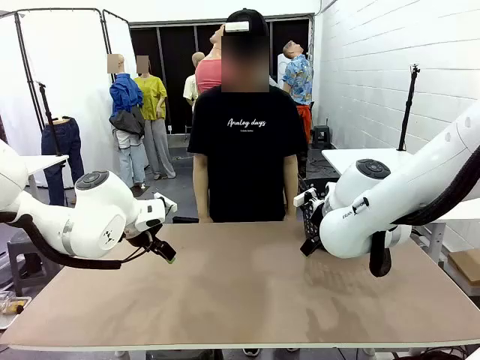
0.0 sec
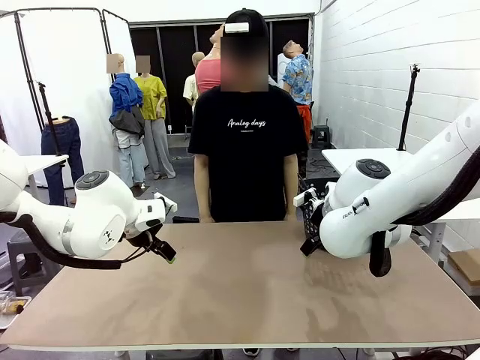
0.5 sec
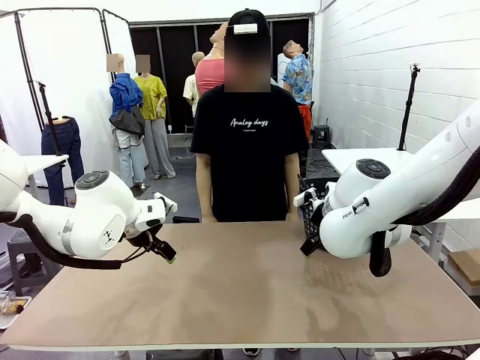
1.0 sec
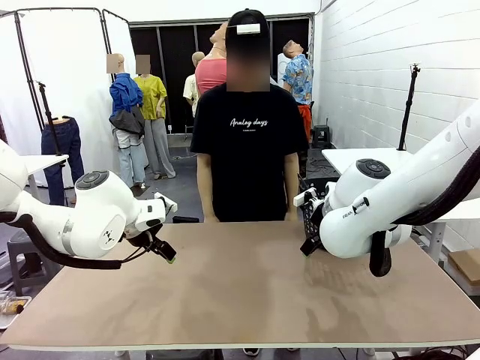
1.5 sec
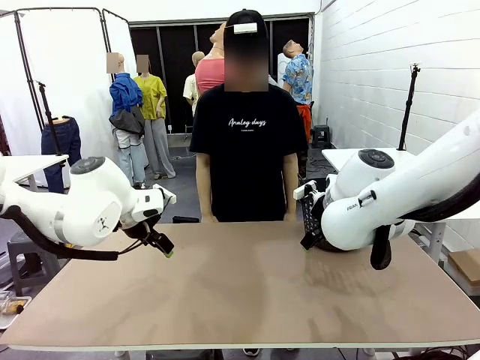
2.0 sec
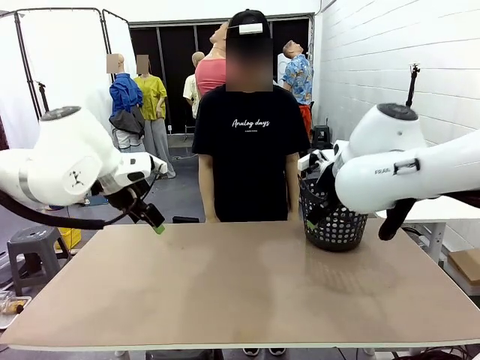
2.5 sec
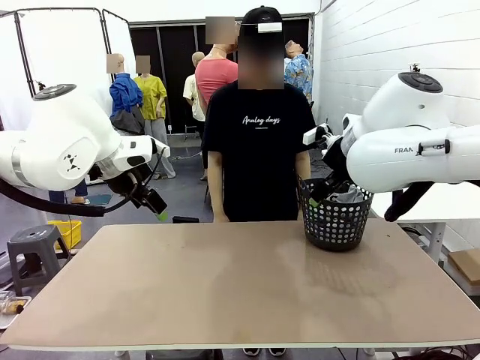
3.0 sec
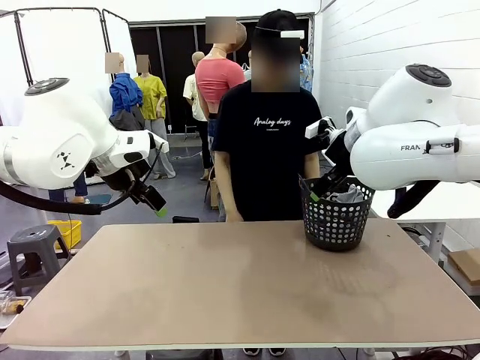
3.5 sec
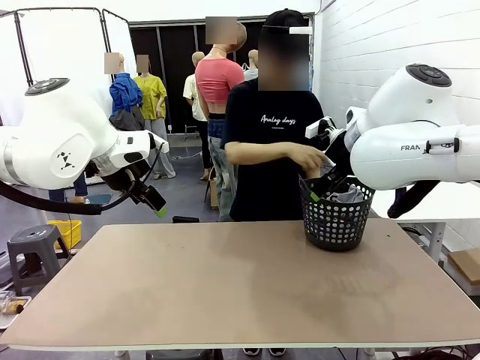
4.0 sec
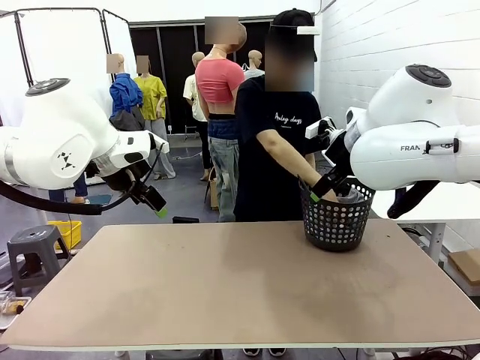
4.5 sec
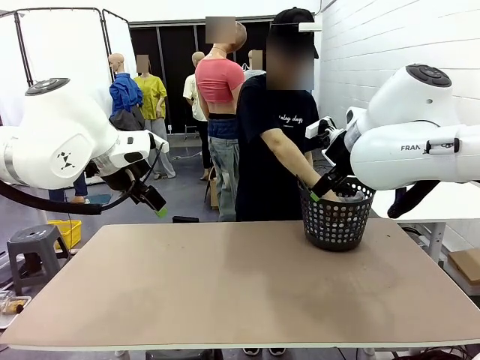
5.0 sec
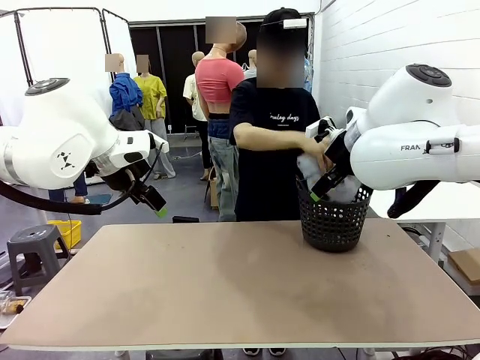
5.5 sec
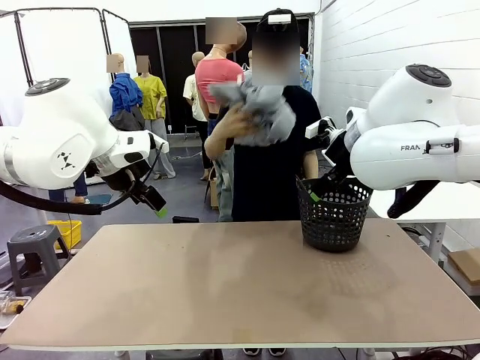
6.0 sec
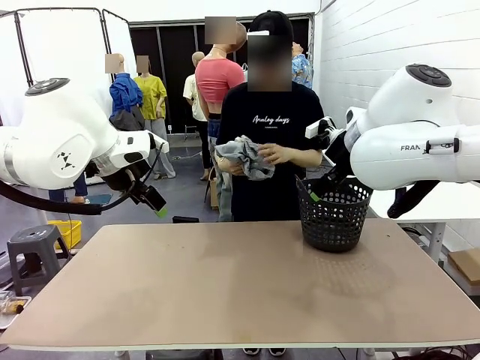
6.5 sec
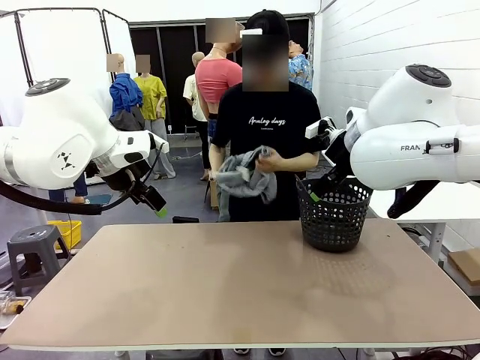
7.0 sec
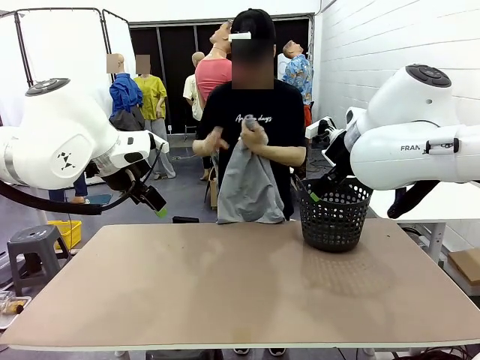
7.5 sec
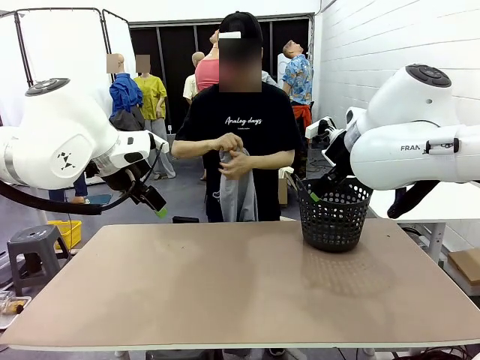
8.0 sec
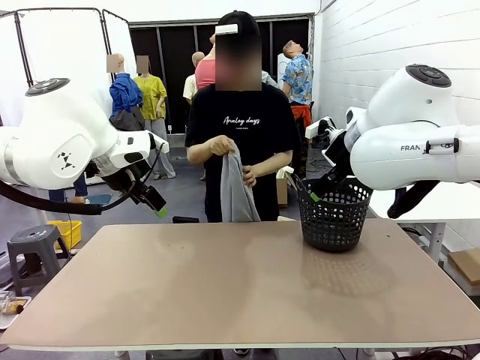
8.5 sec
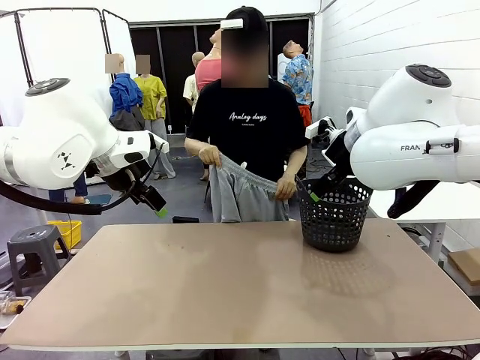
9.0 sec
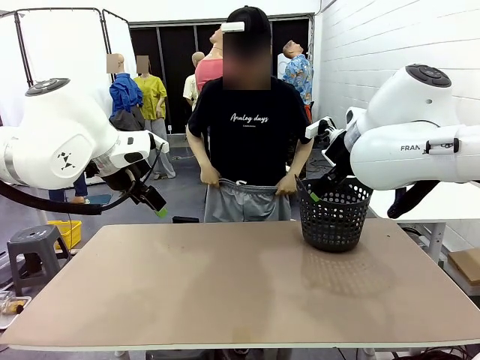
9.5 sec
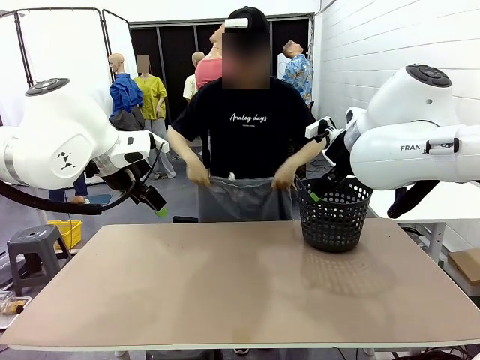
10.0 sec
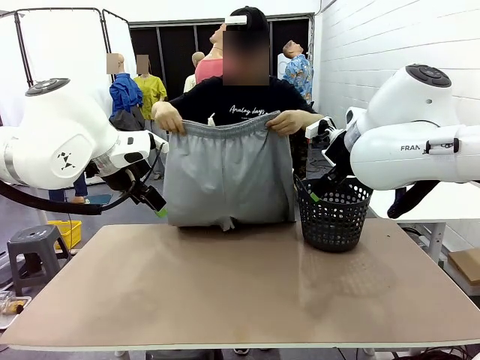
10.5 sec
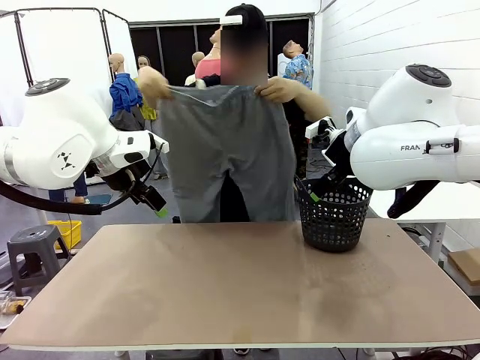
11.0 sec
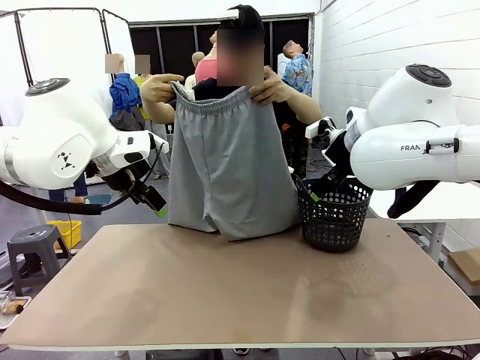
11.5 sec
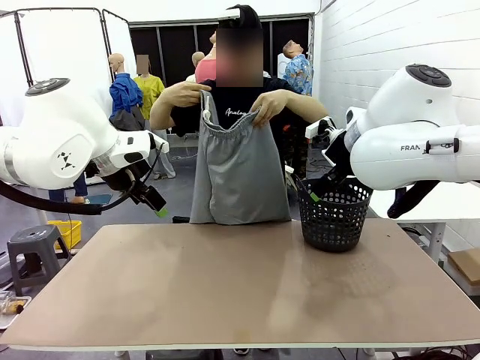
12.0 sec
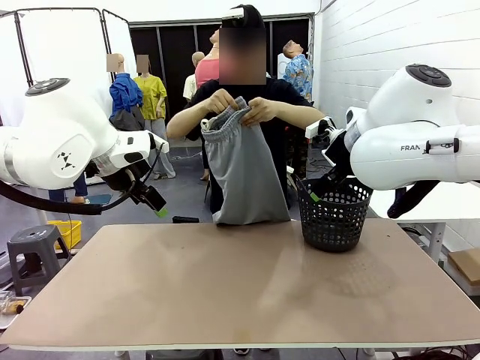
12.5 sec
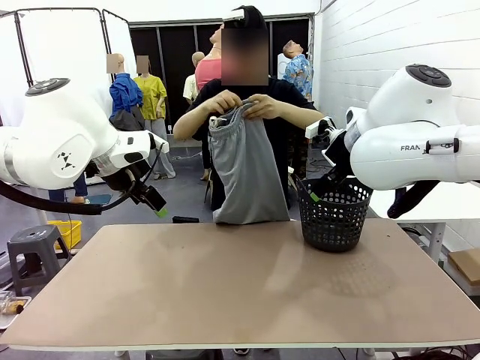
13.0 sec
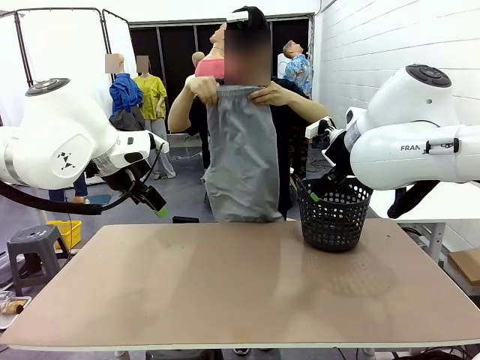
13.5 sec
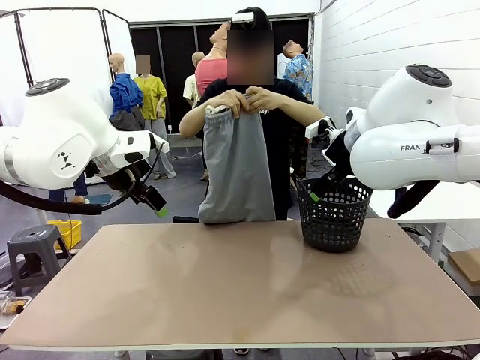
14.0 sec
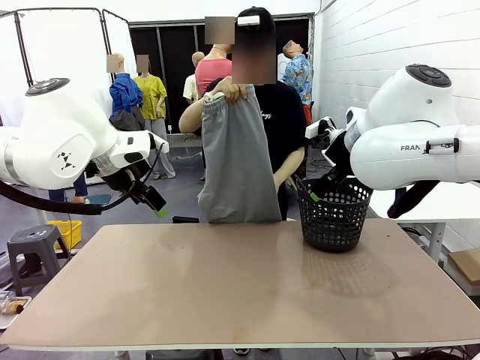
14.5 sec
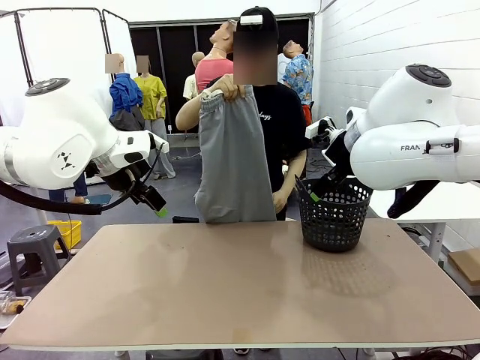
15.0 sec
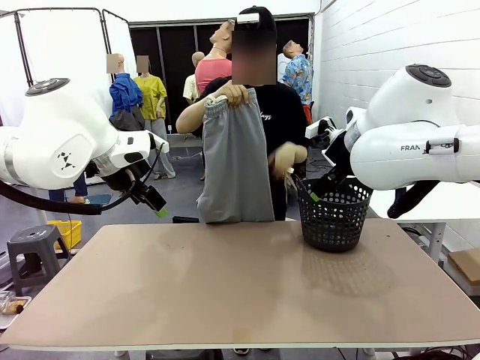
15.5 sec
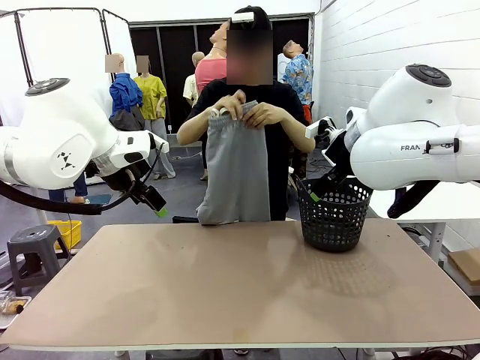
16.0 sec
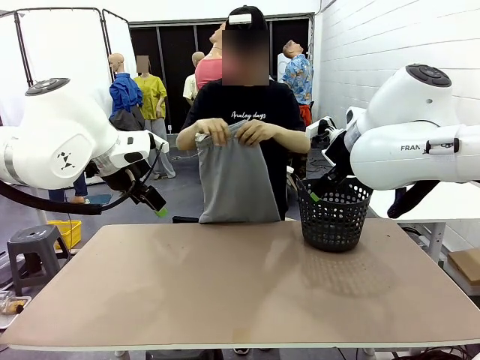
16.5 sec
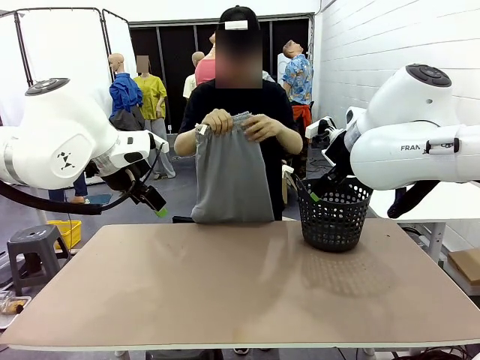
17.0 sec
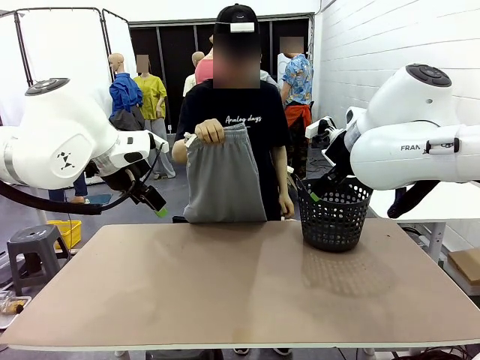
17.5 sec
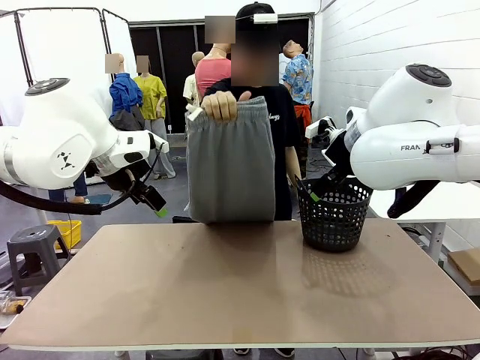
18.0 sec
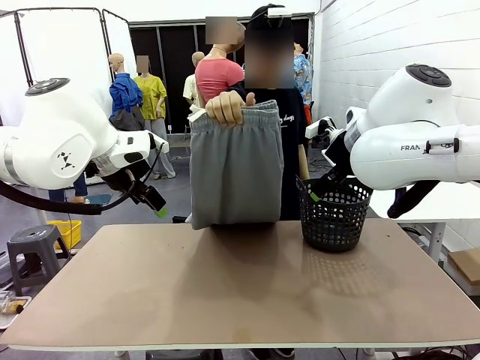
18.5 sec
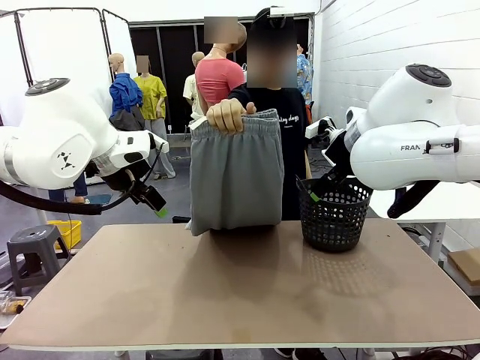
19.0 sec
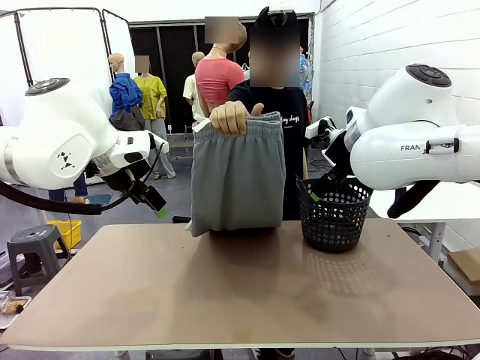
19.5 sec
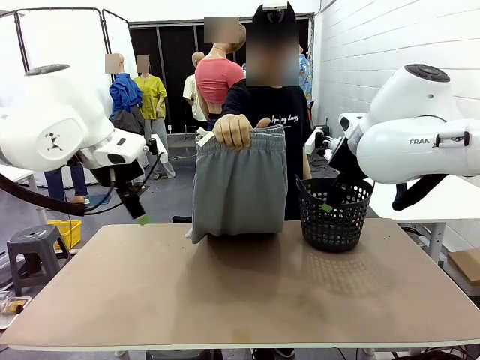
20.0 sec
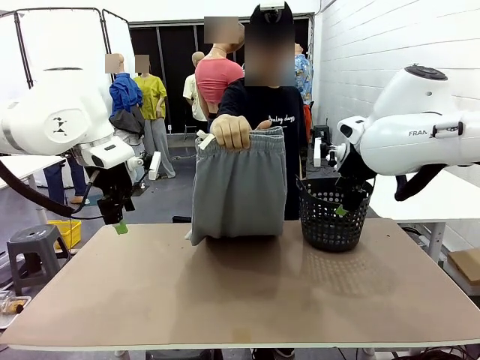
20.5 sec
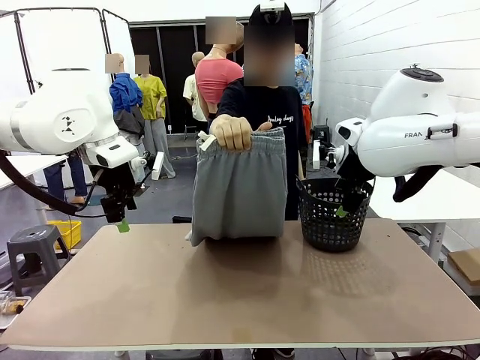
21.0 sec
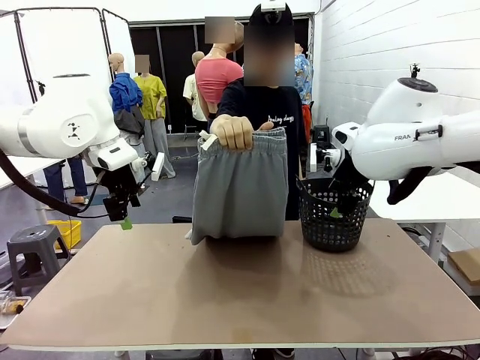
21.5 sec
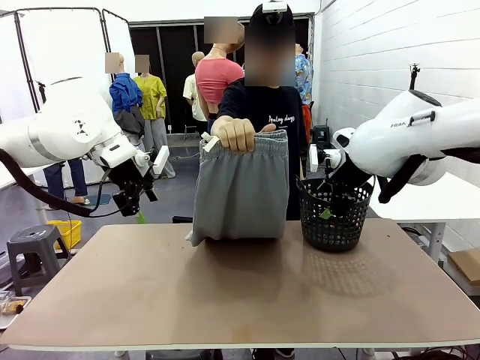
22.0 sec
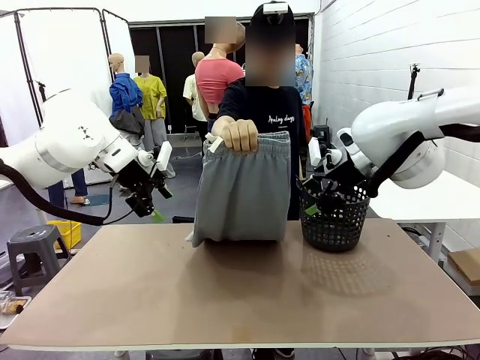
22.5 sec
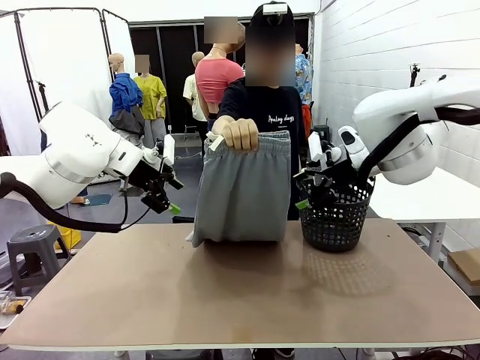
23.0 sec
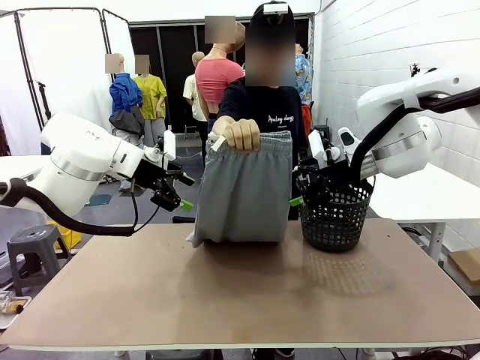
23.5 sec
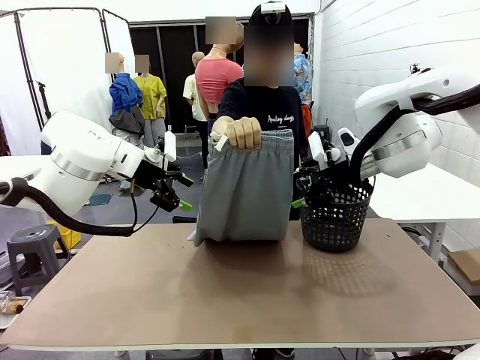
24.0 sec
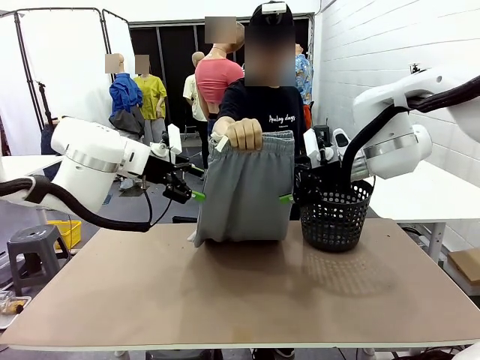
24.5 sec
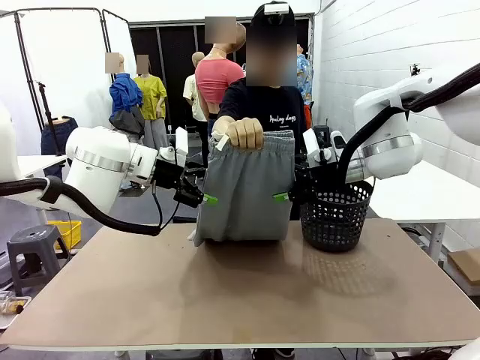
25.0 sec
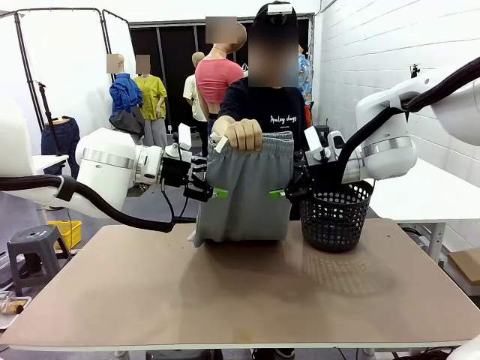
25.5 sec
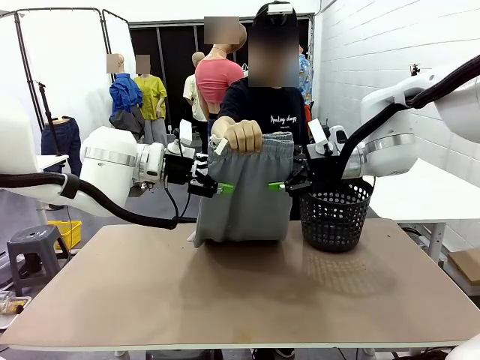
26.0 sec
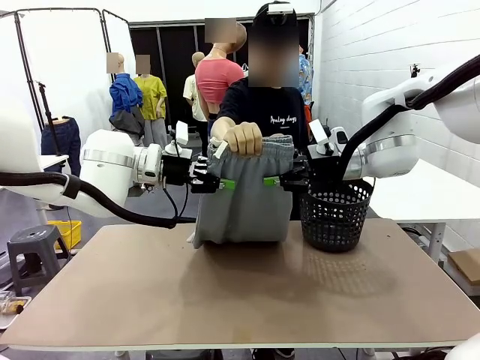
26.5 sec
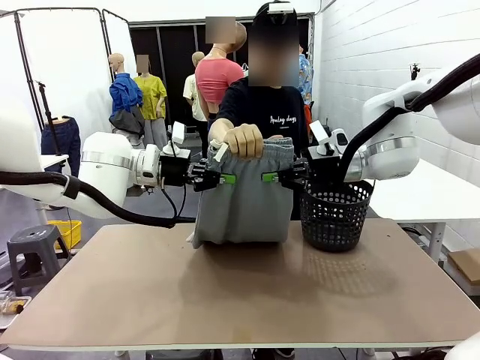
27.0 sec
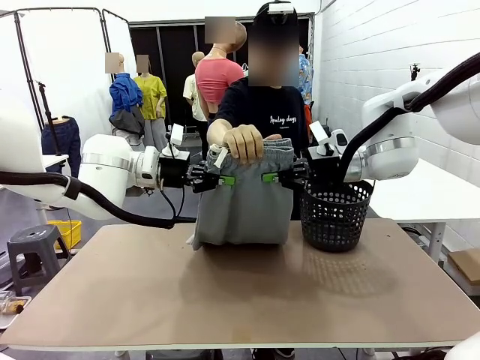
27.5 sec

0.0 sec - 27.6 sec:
Task: Fold the training pants.
Robot: Grab both ends of the Training pants handed by a person.
Person: Take the long pants out of the laundry basket, unfold them, fold the waist in half, and extend them so the robot can pick up both corners.
